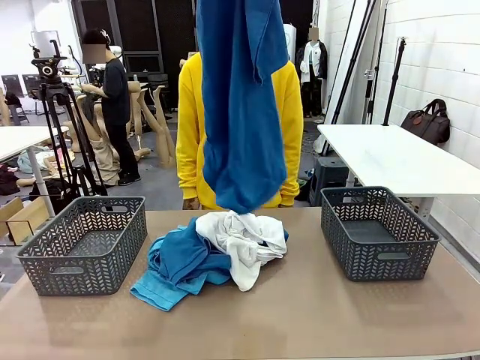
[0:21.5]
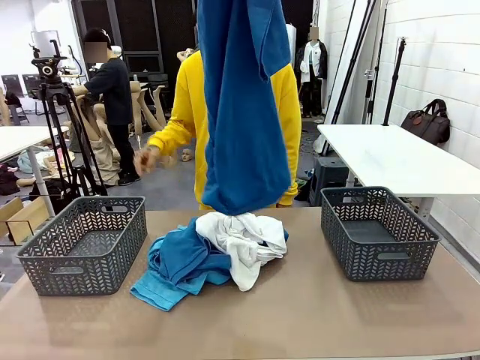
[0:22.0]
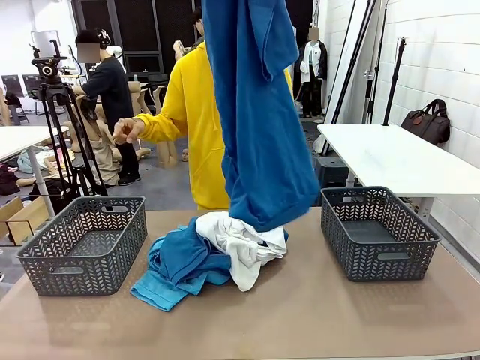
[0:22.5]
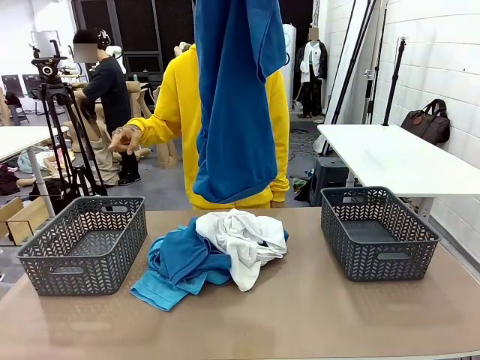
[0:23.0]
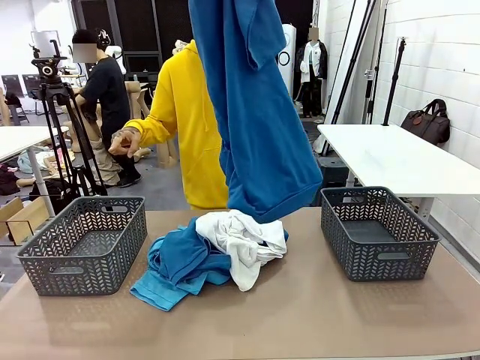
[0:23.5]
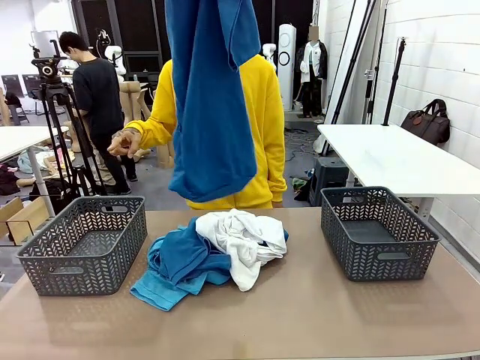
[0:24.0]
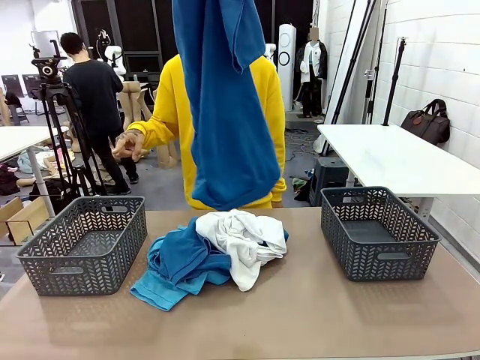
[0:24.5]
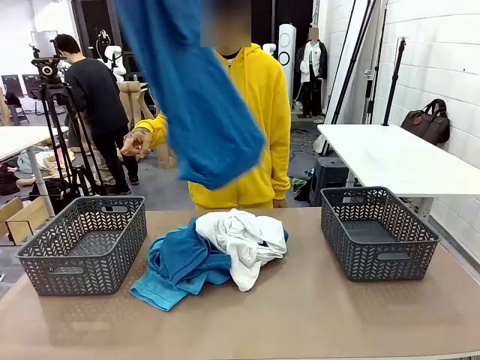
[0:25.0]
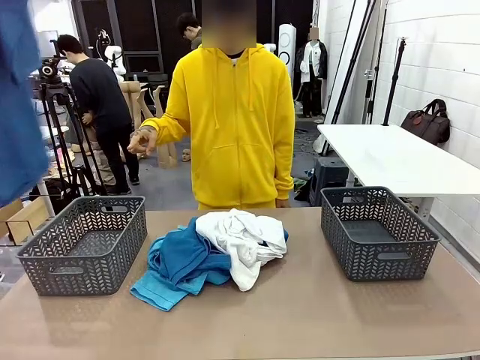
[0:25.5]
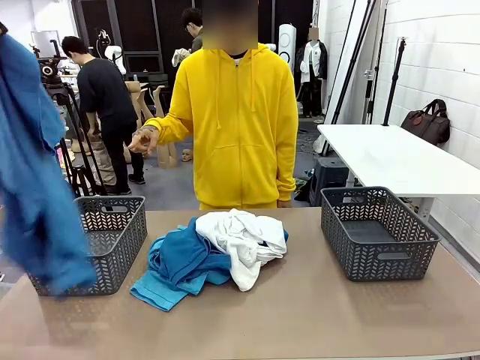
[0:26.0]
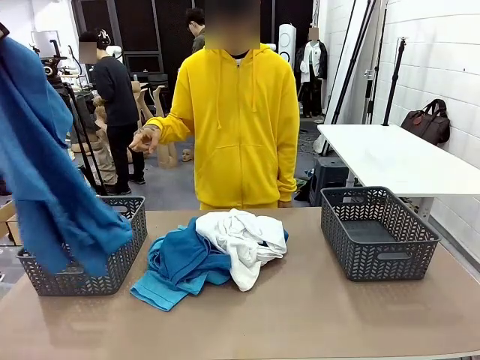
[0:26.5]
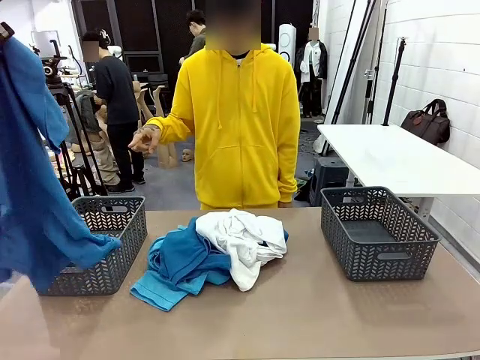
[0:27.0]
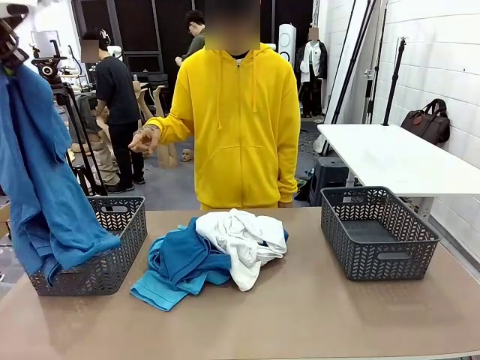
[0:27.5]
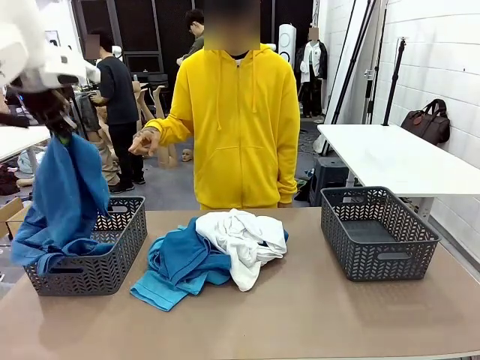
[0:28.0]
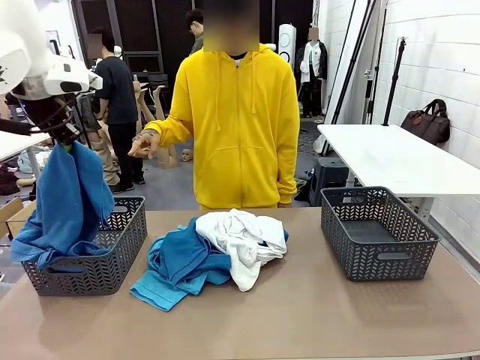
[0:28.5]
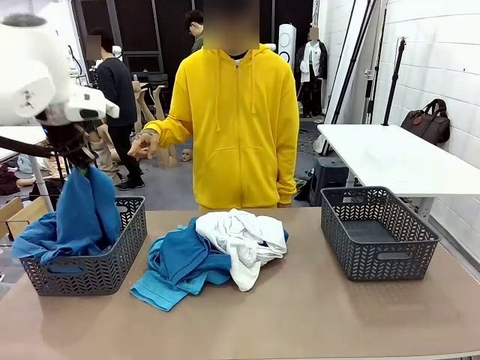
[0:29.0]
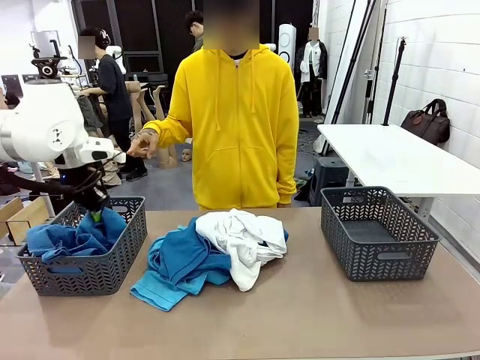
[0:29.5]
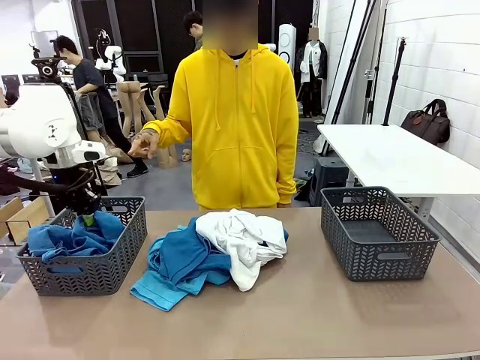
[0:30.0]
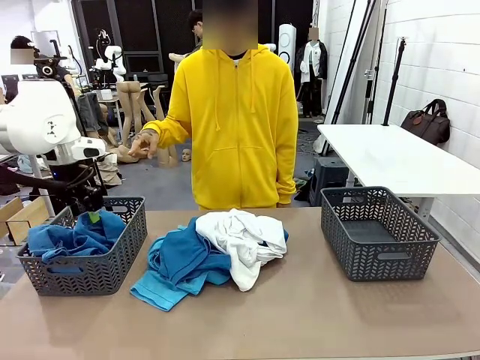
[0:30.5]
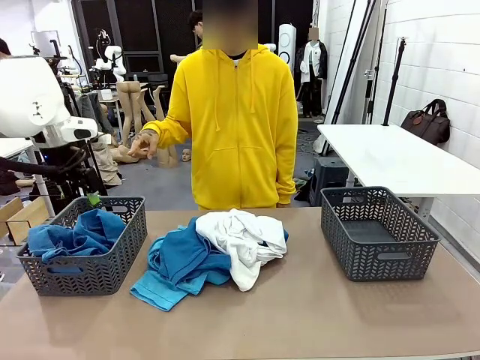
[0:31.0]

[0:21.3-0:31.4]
Task: Sort the tops and bottoms.
Robot: Sort the clothes according to human instructions.

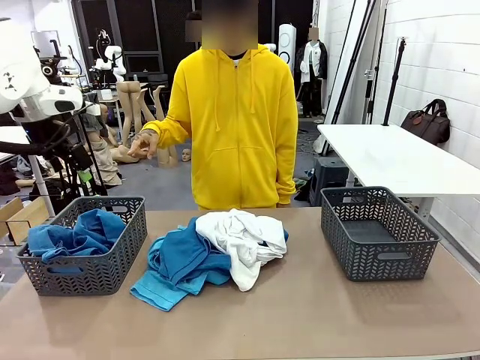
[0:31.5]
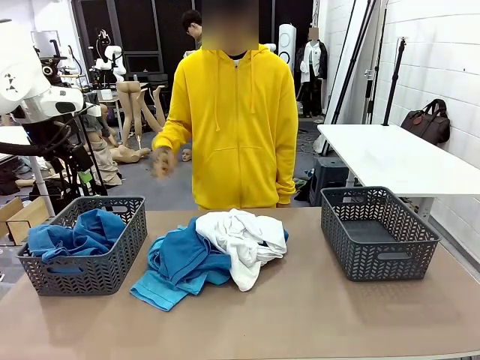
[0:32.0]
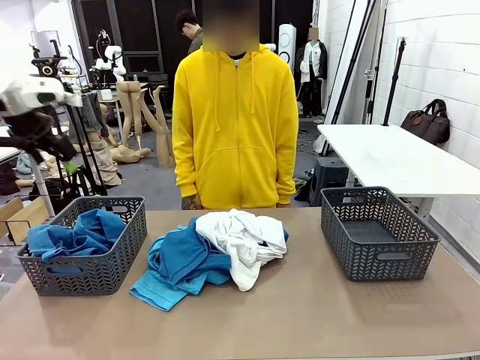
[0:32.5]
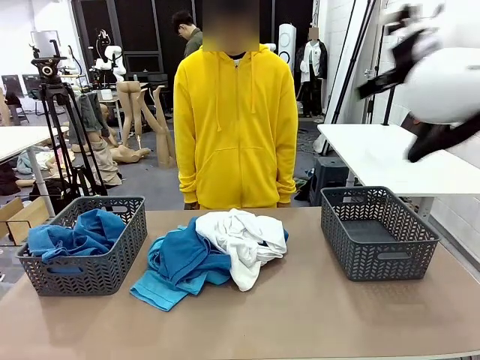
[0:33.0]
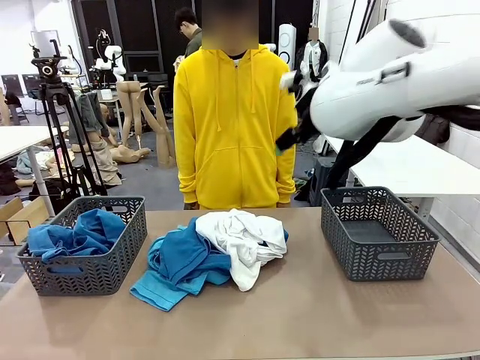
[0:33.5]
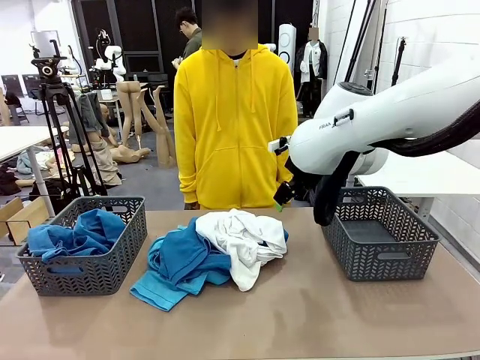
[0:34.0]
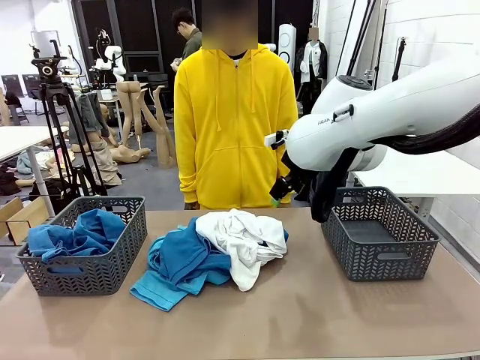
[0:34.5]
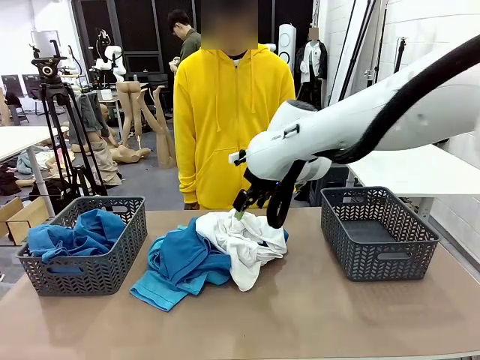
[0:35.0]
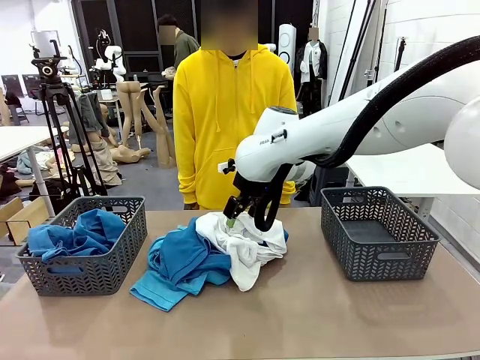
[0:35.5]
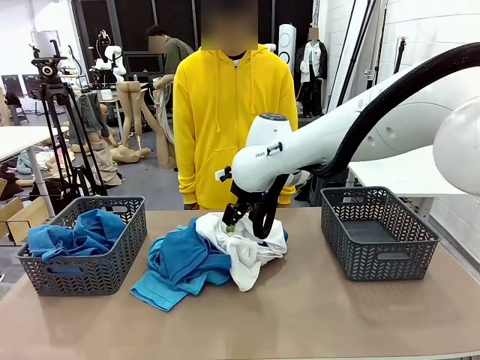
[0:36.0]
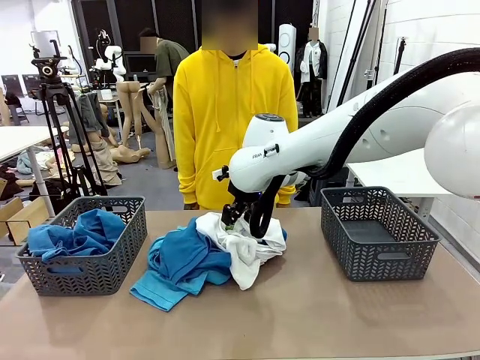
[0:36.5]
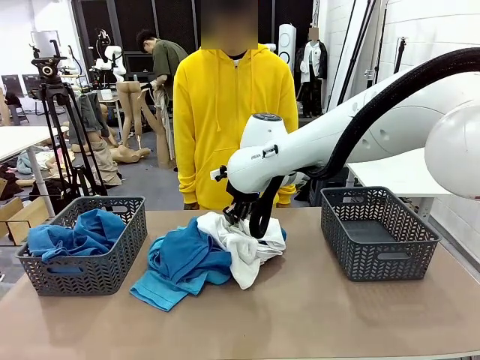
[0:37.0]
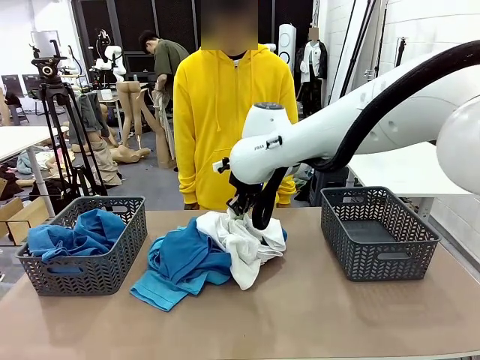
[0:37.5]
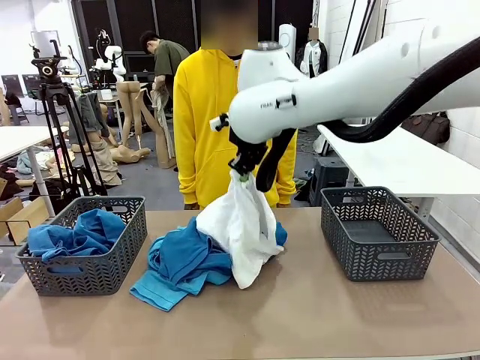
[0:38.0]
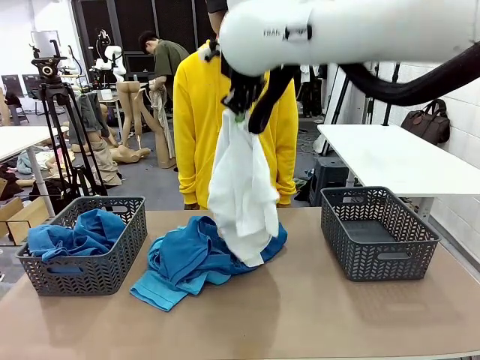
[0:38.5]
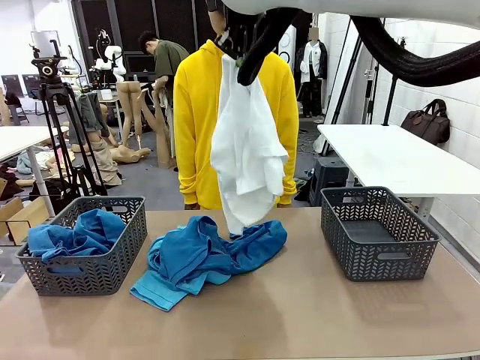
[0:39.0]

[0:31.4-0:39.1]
Robot: Lift clothes from the center of the table with your right hand.

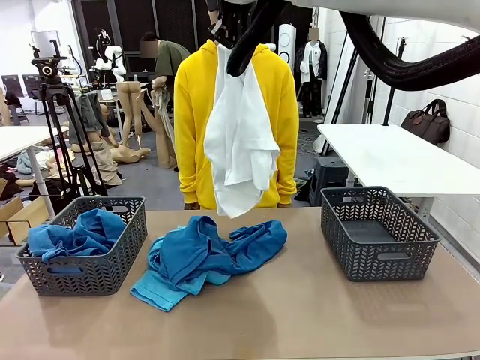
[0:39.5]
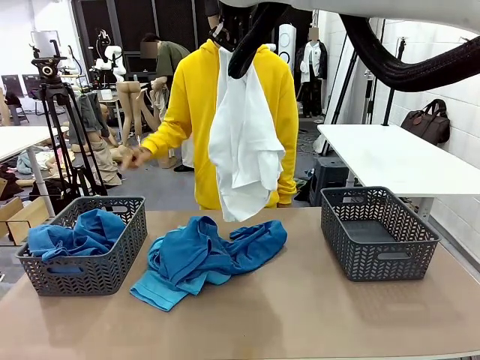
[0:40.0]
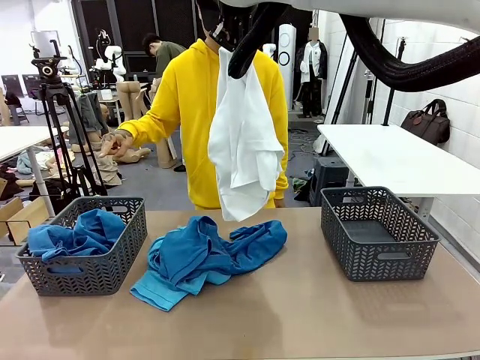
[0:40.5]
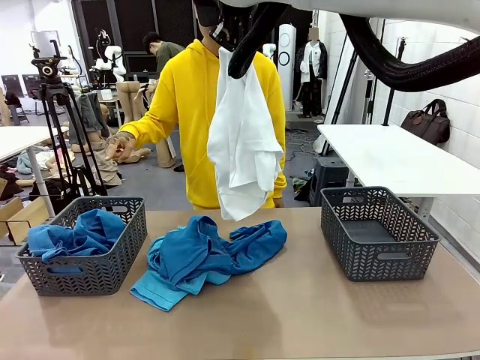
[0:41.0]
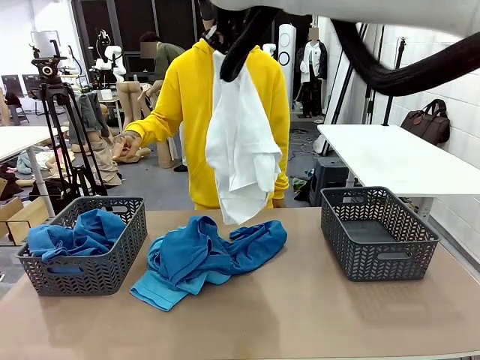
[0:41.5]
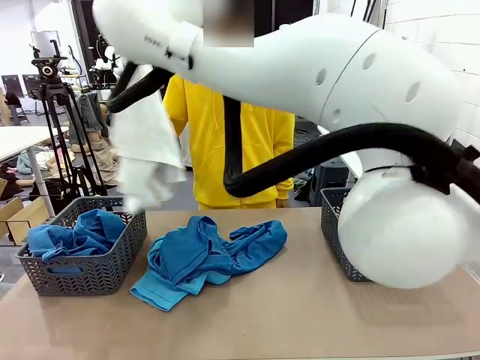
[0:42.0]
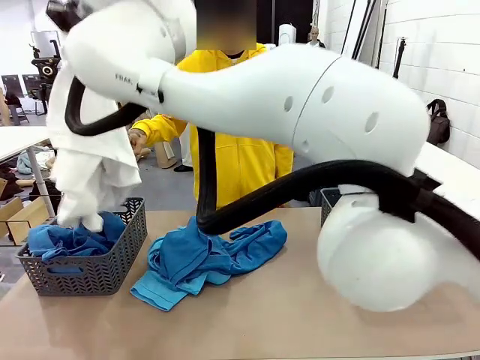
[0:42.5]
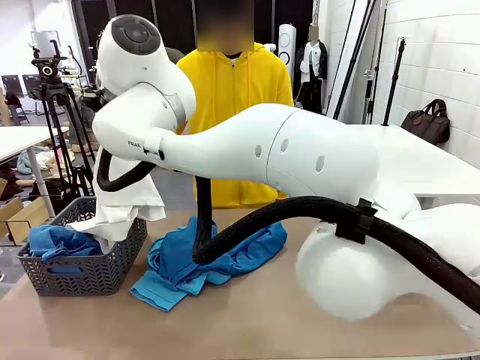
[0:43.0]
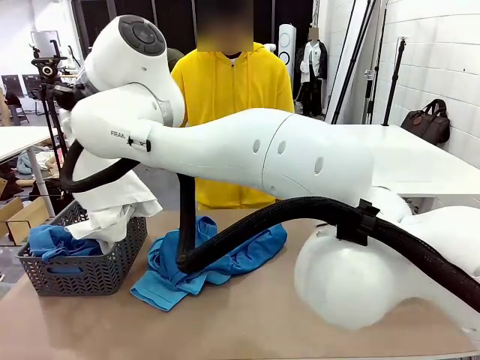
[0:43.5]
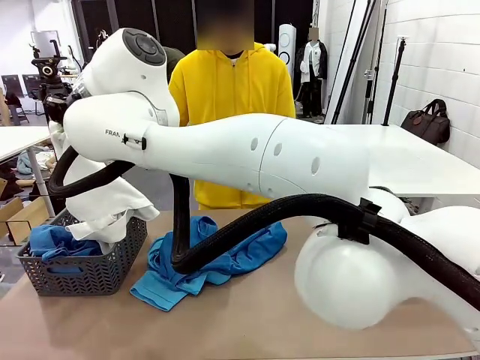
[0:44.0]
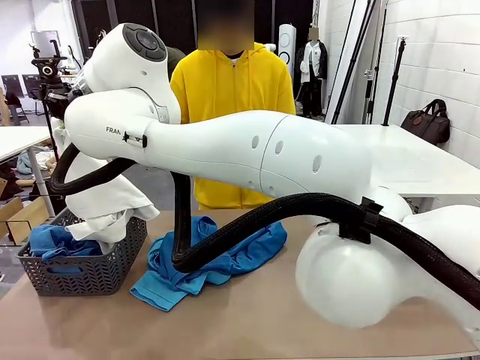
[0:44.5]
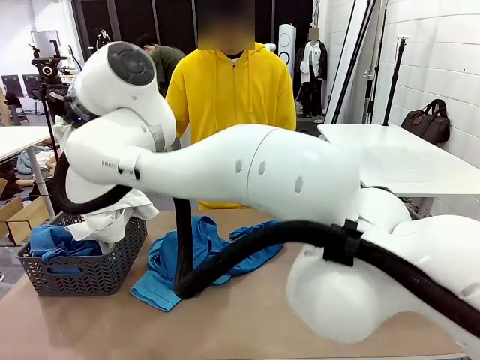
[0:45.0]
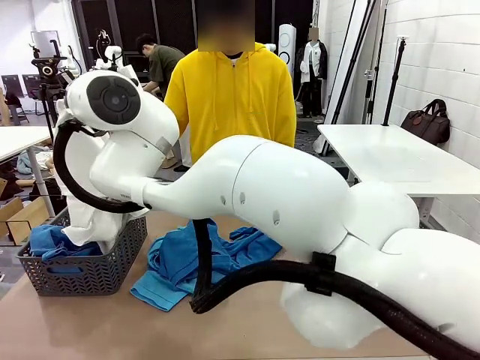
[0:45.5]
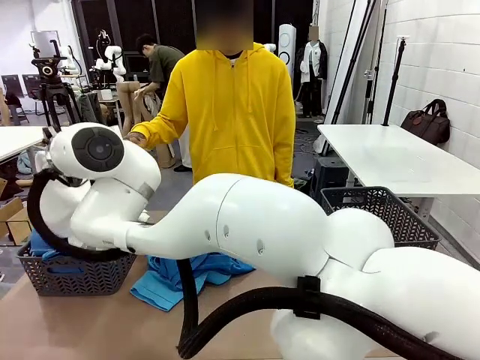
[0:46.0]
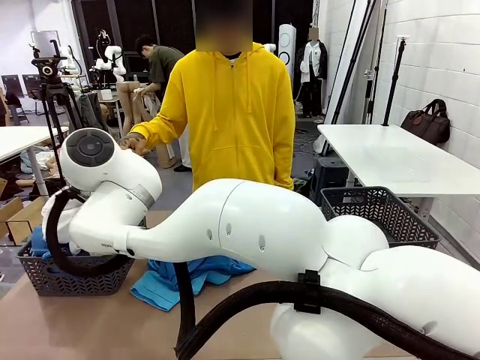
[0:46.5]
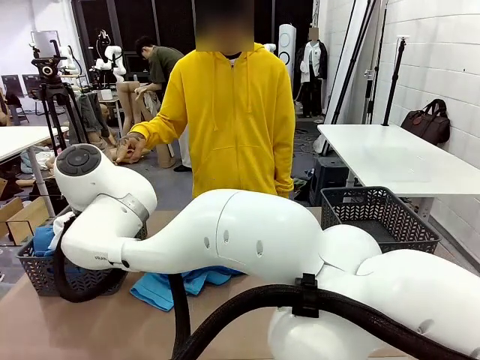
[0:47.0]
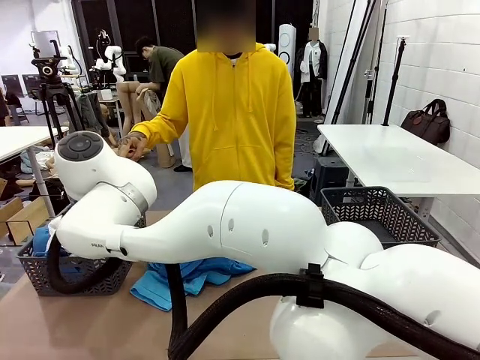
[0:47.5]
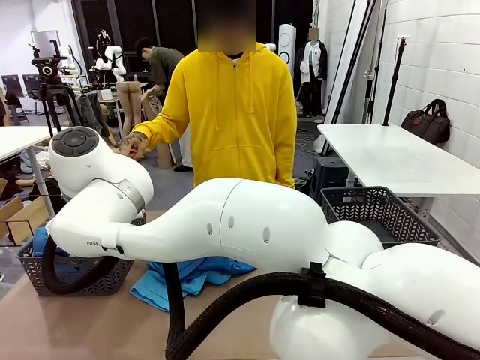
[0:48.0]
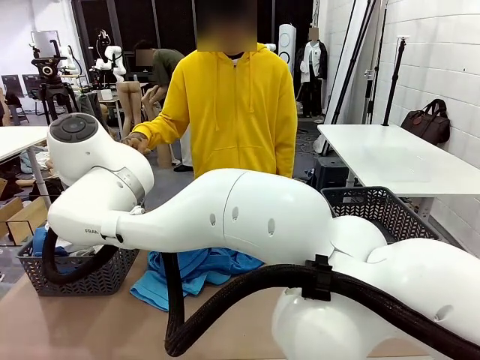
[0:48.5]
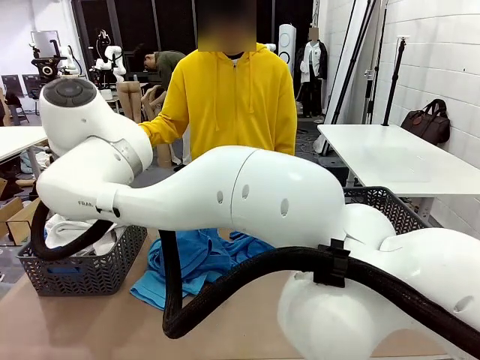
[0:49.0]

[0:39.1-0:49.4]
Robot: Sort the clothes according to human instructions.
